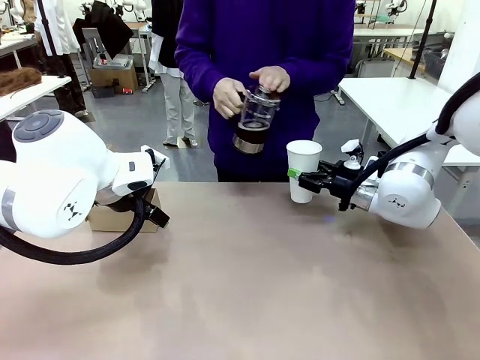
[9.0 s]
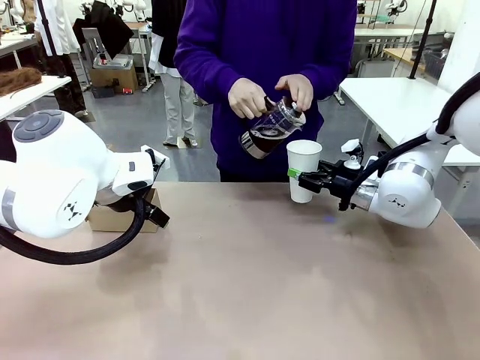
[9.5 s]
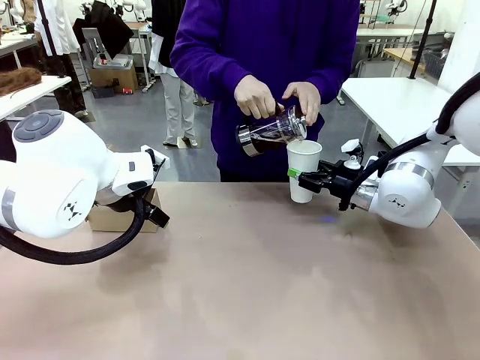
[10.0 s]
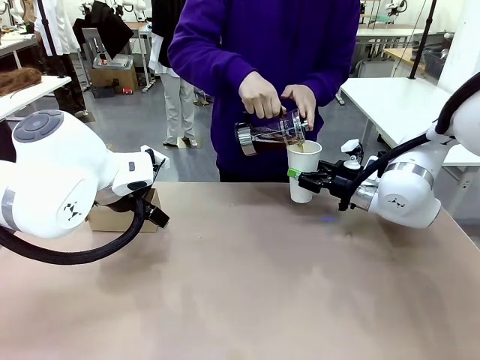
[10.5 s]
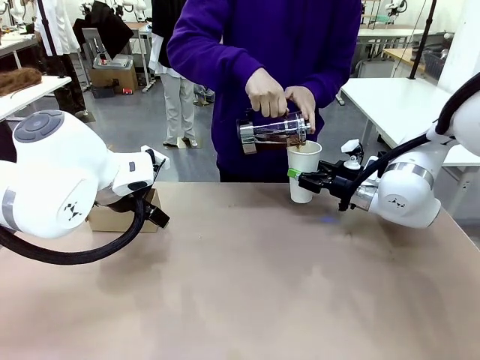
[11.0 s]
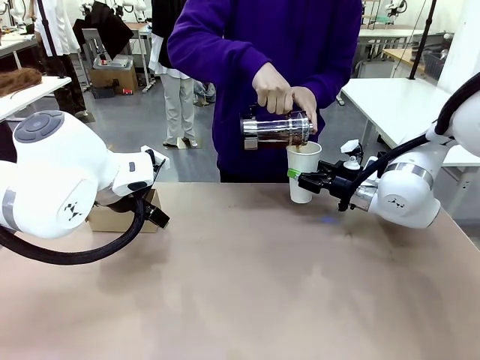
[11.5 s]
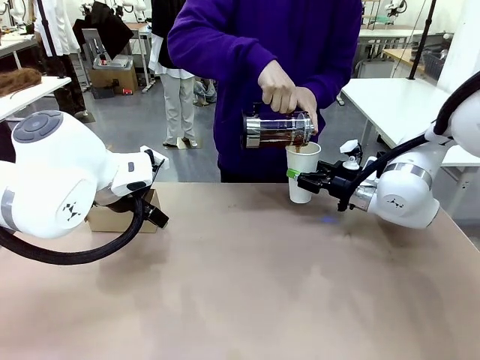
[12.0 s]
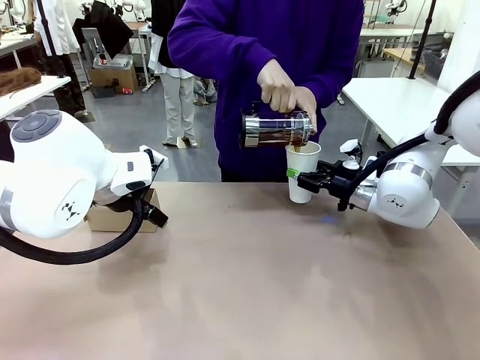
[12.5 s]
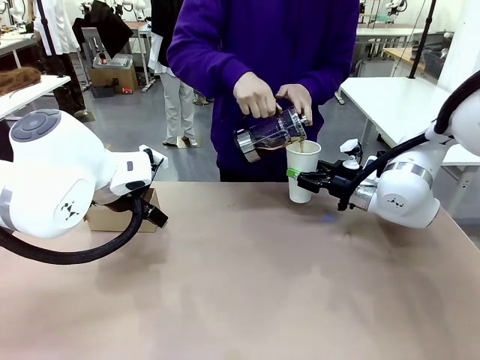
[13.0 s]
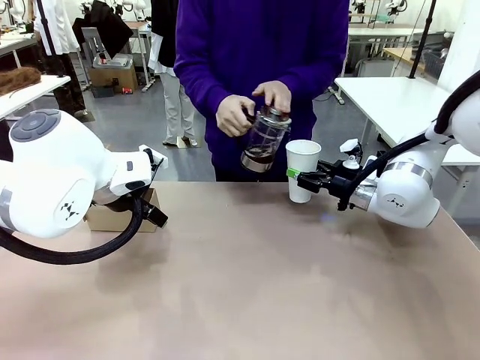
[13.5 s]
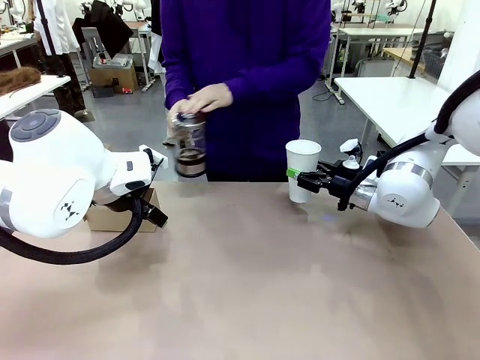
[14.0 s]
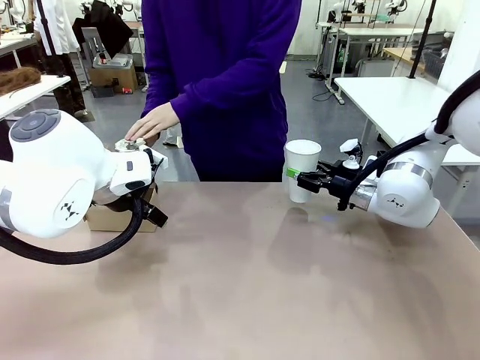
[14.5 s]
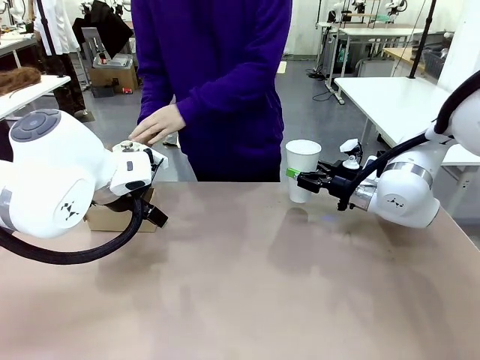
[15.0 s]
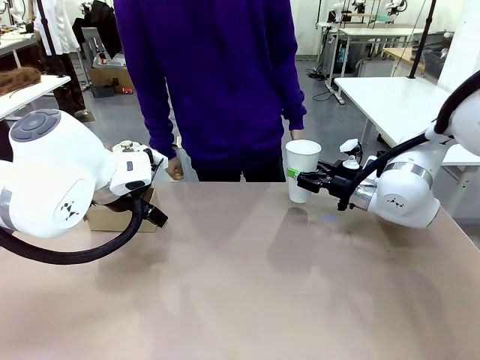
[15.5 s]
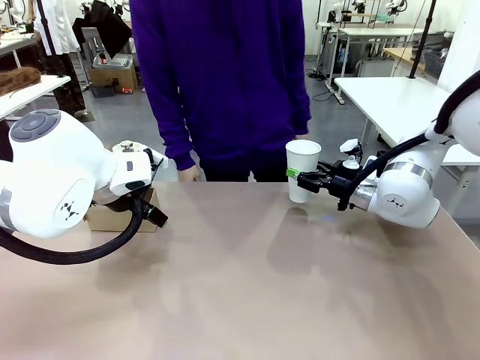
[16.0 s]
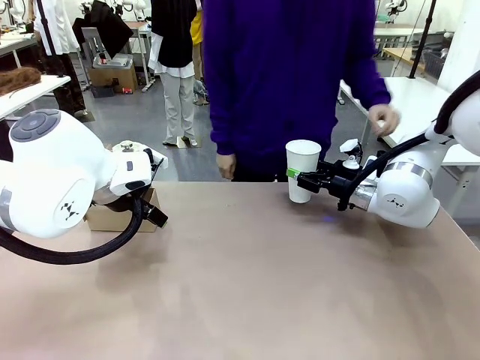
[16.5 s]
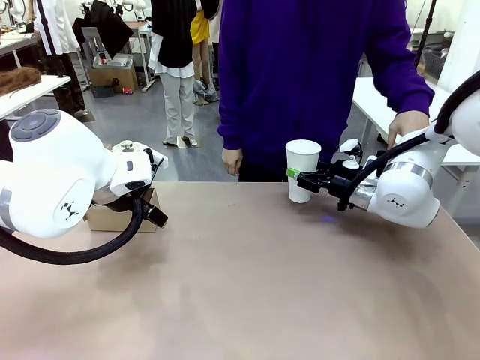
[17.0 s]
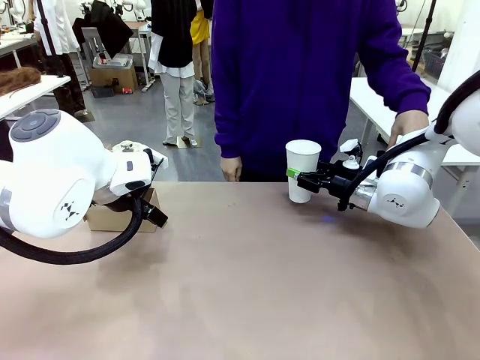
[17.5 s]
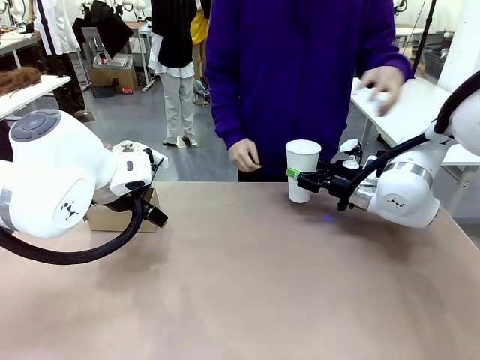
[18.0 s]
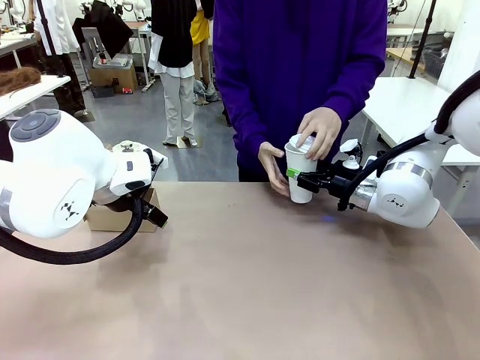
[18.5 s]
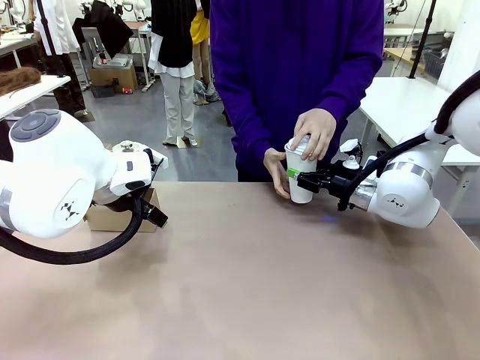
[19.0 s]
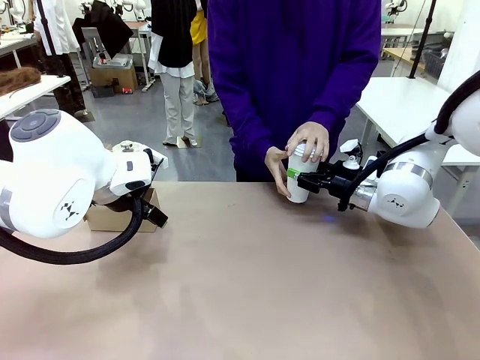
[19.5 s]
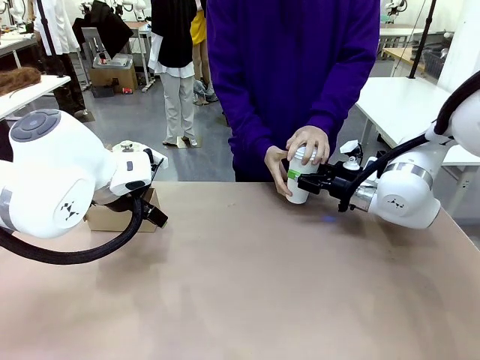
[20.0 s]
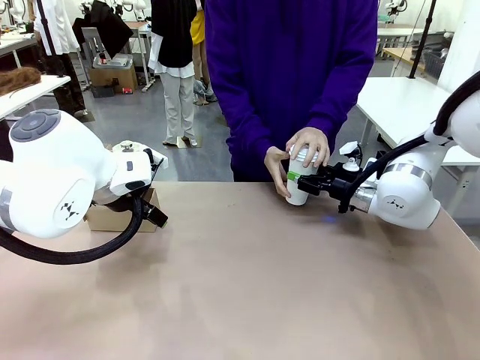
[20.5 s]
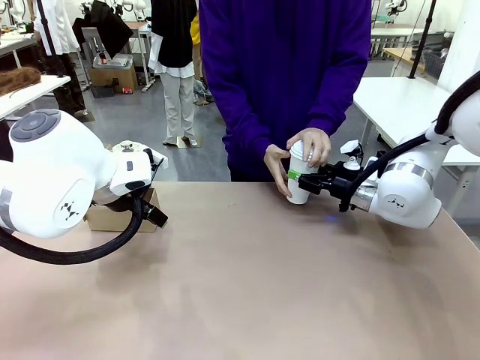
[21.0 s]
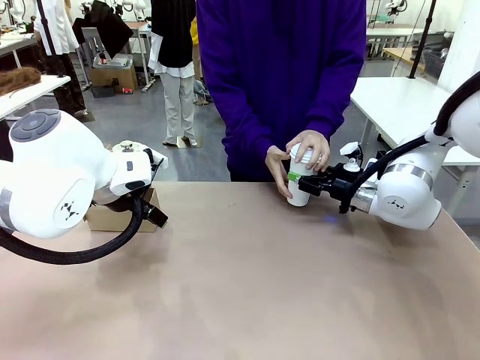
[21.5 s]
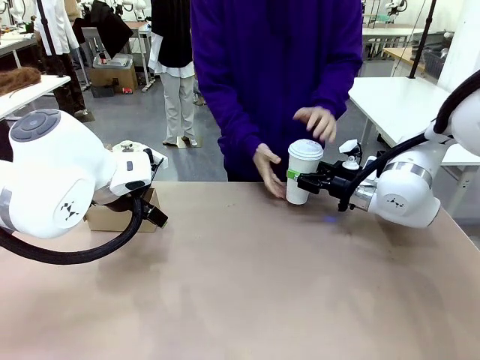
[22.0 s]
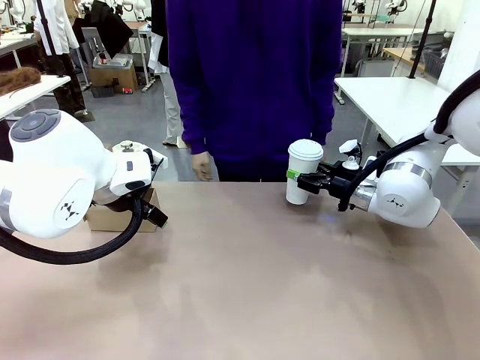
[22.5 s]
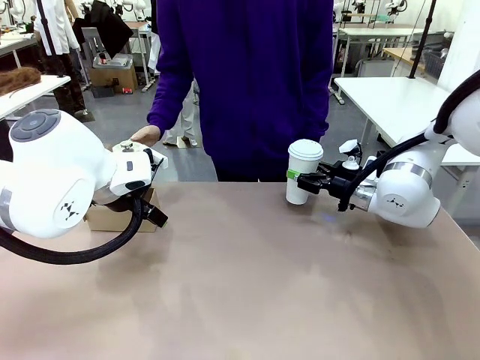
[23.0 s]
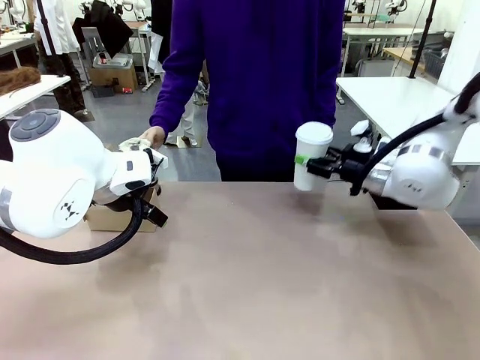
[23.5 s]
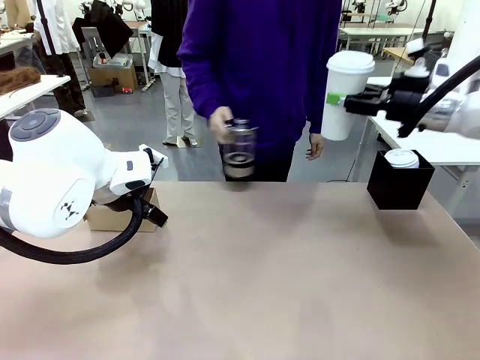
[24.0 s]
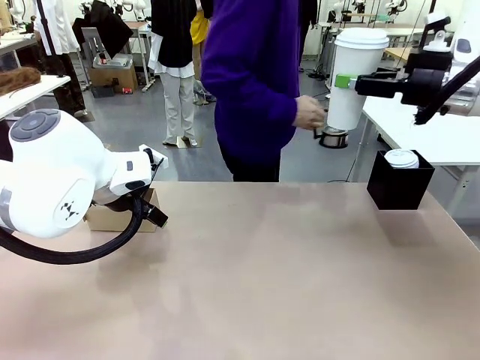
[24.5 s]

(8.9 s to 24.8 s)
Task: Pour a drink into a cup and package it in a carrier.
Robot: When a person places the Paper Cup Lid on the 600 ml Paper Cup , lift the 600 ml Paper Cup.
Person: Pour the drink from the Filter Brewing into the 600 ml Paper Cup. Place a Paper Cup Lid on the 600 ml Paper Cup.

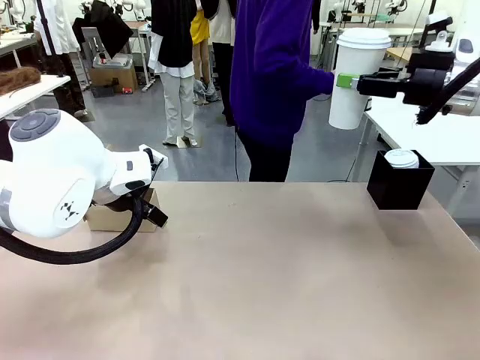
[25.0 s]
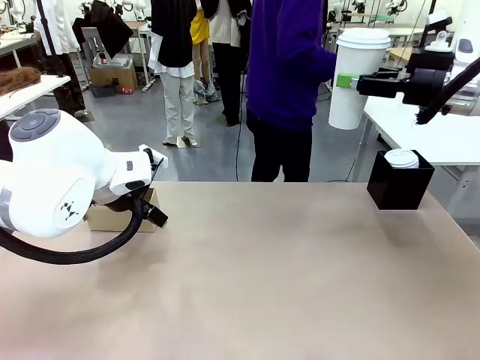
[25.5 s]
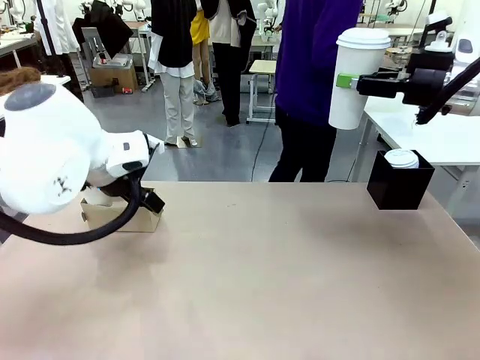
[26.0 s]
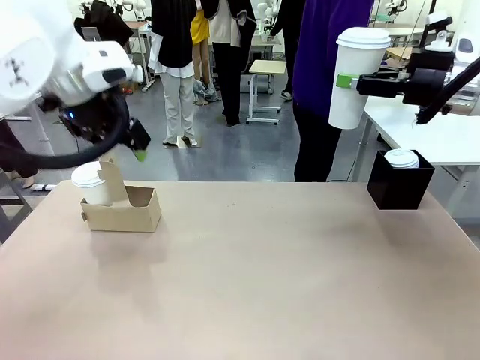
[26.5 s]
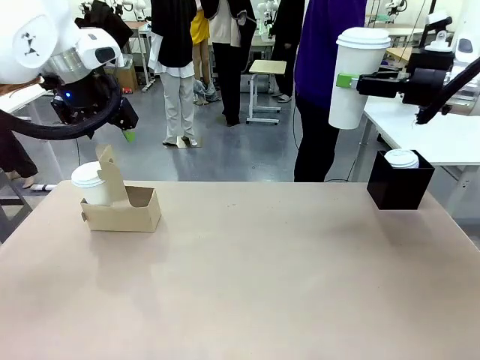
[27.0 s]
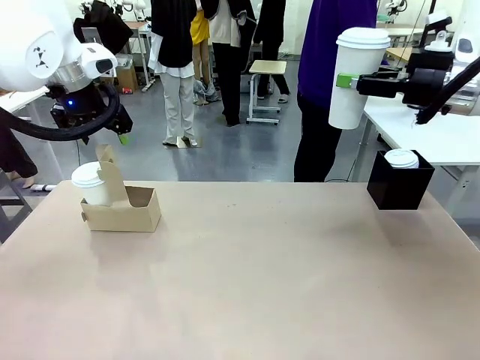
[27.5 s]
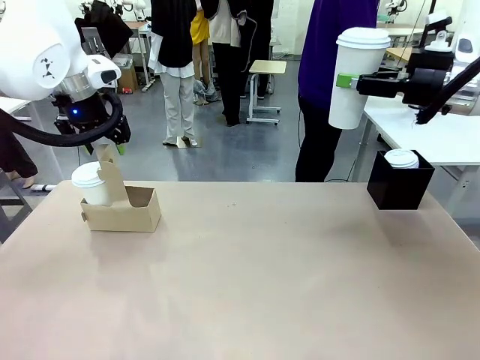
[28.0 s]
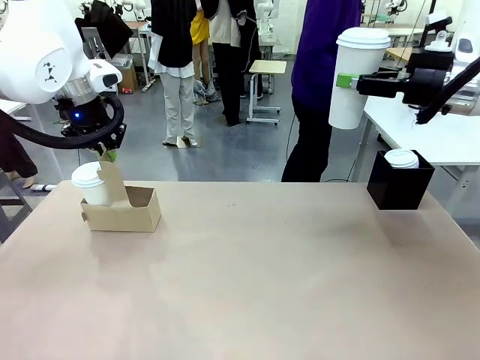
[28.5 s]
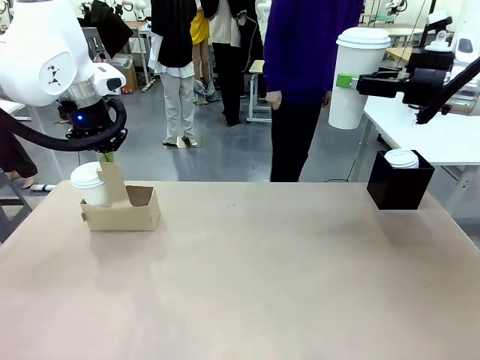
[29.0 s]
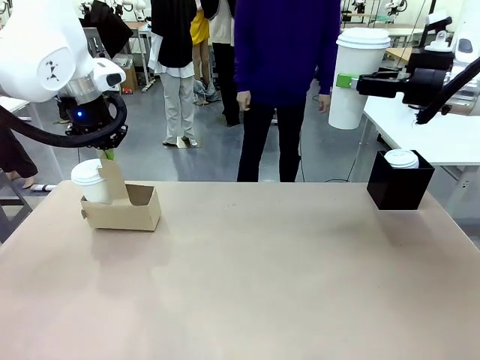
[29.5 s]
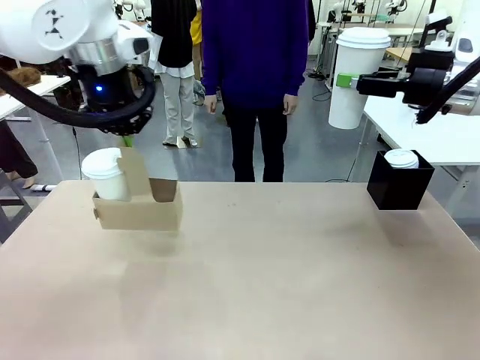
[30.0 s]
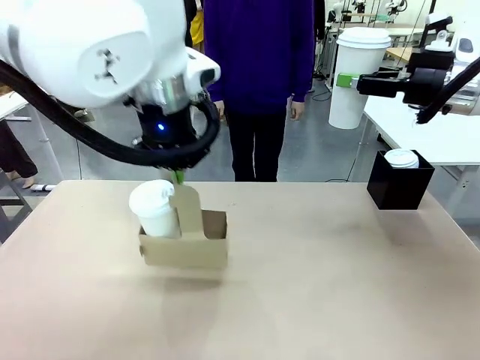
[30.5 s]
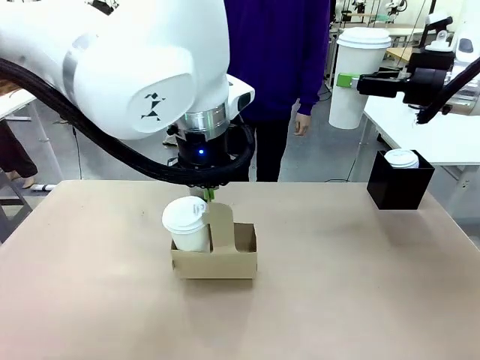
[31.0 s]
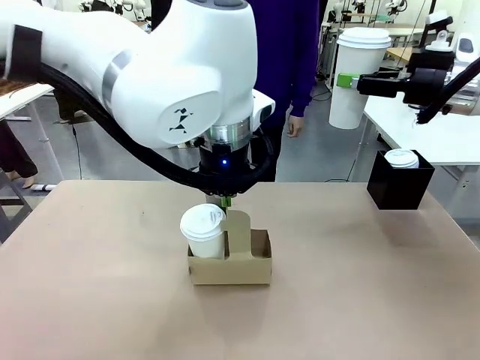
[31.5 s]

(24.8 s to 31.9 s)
Robot: Position the Cup Carrier in the center of the table.
Person: Pick up the Filter Brewing and place on the middle of Human table, and return to the Robot table.

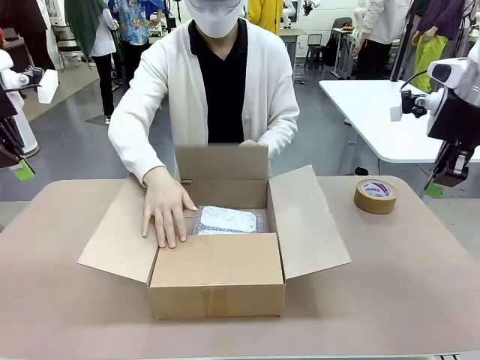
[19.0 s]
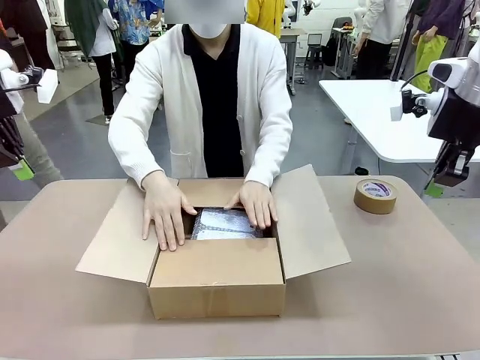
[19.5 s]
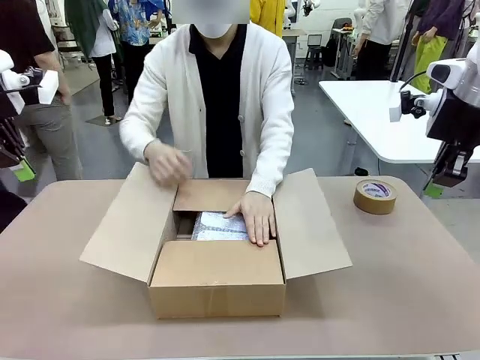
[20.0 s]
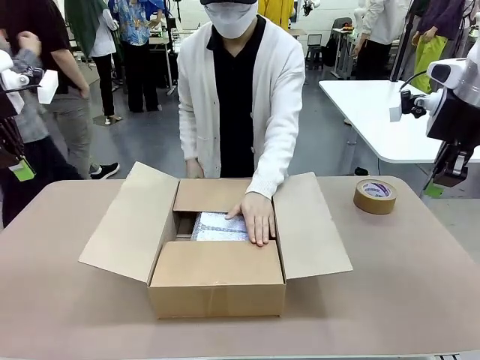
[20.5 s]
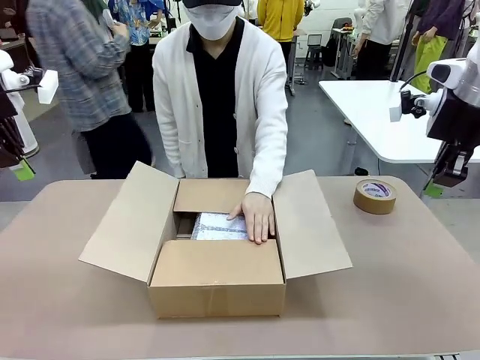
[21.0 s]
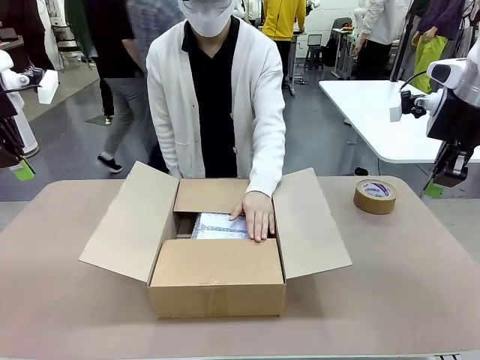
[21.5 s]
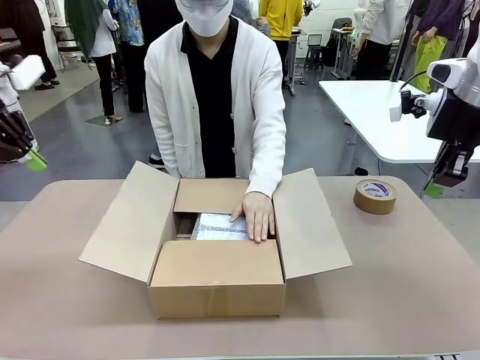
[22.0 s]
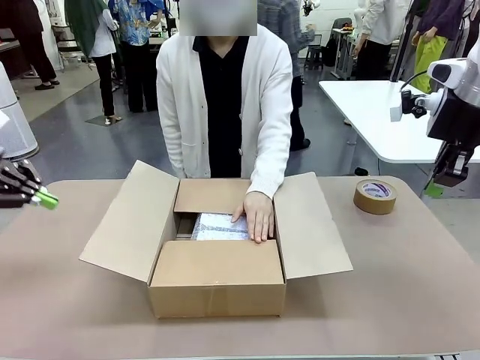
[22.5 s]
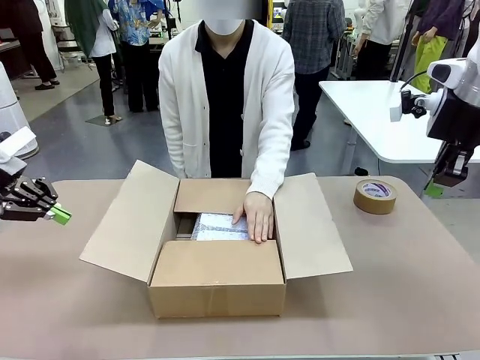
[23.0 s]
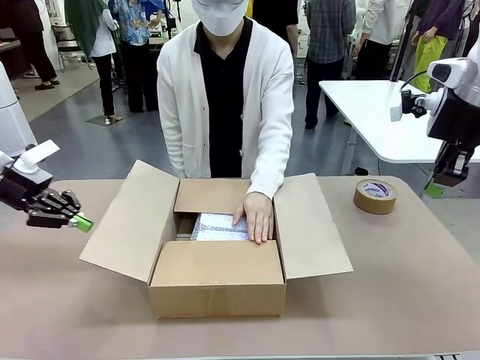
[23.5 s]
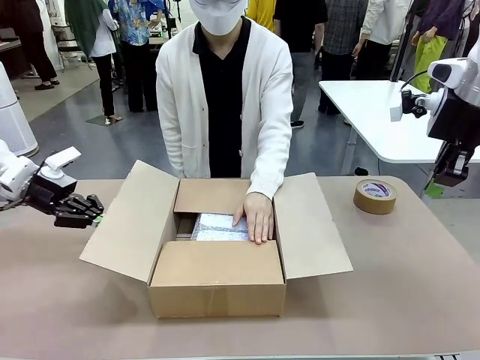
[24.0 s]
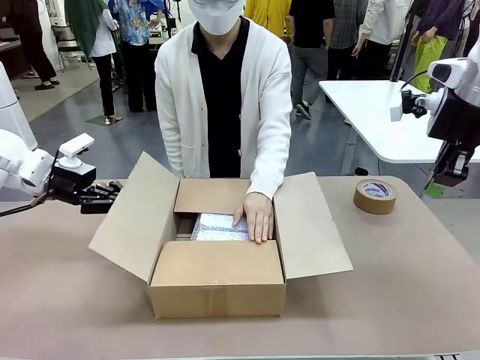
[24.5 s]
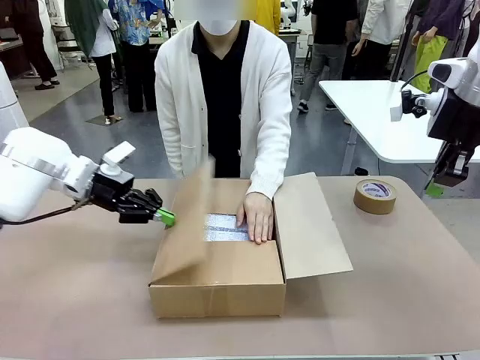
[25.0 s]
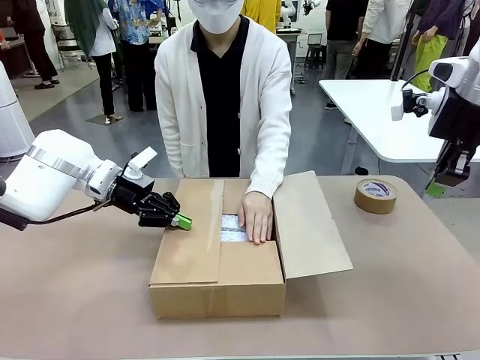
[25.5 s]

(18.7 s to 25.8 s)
Task: Wrap the clocks to prevent damage.
Robot: Push the right (or left) flap of the Package Box to close it.
Person: Hold the top and bottom flaps of the Package Box closed with your left (or right) hand. Once the robot closes the right flap of the Package Box , release your left hand from the box.
